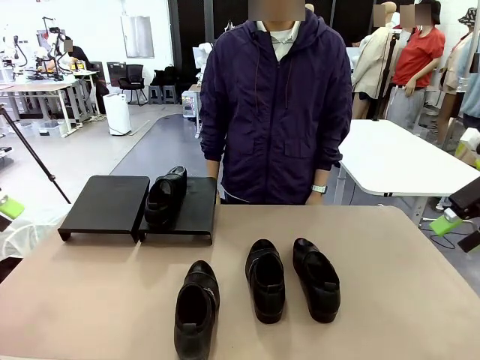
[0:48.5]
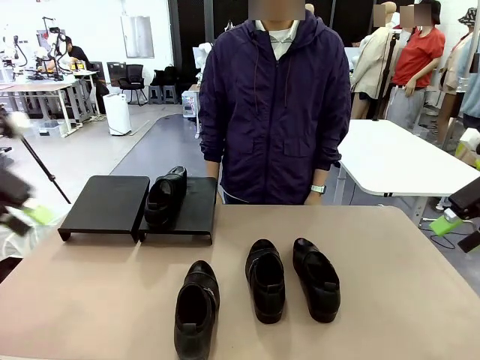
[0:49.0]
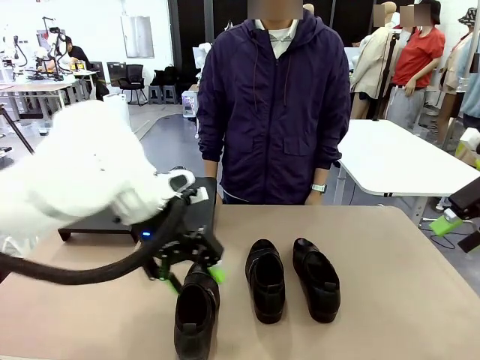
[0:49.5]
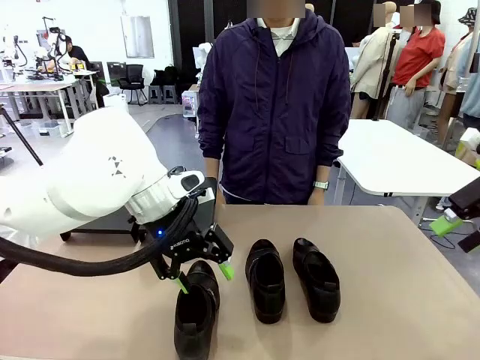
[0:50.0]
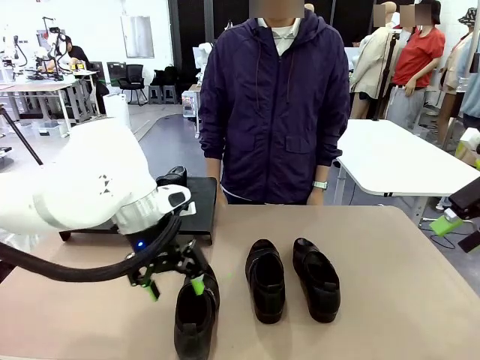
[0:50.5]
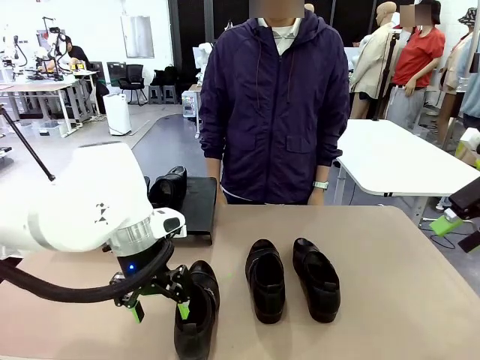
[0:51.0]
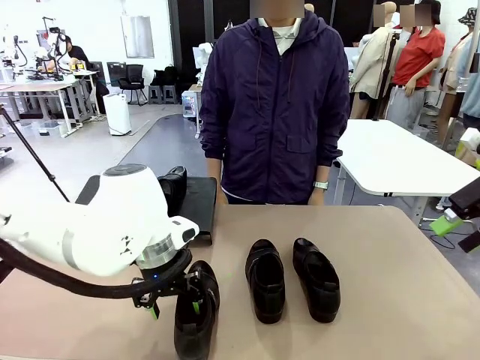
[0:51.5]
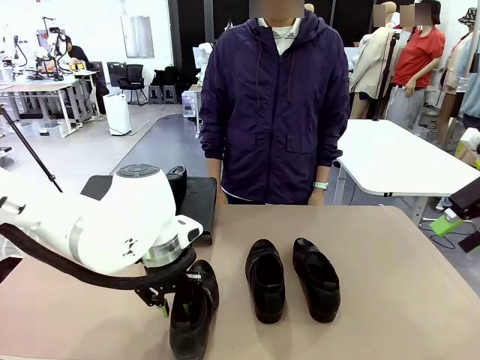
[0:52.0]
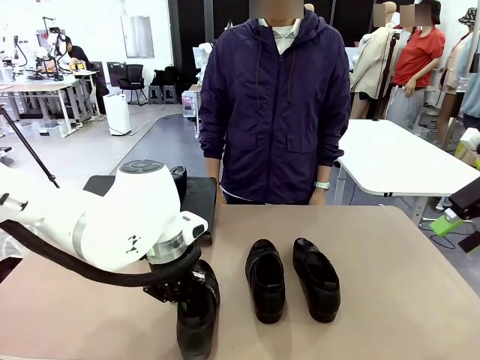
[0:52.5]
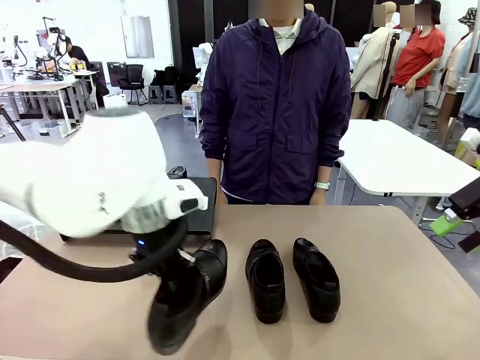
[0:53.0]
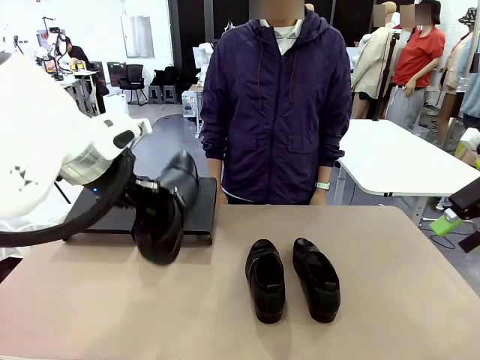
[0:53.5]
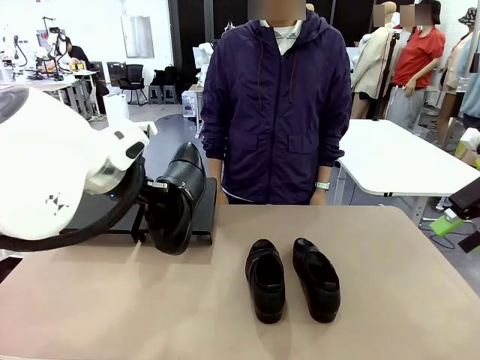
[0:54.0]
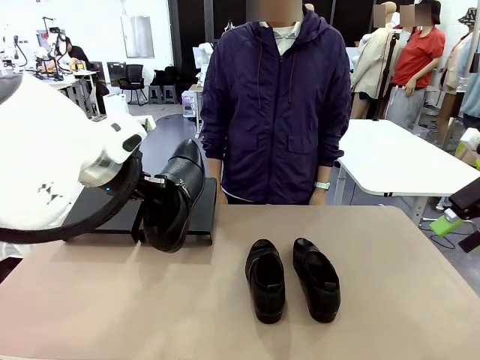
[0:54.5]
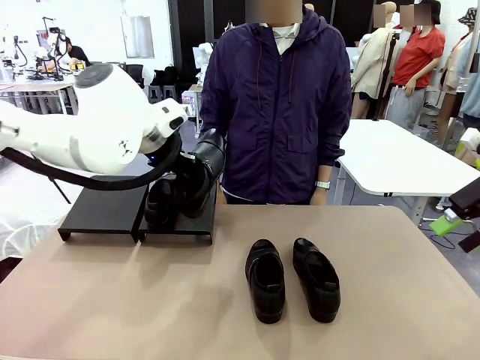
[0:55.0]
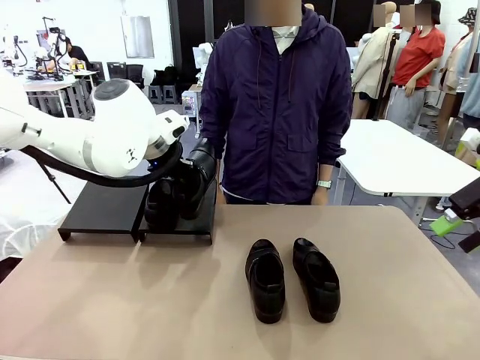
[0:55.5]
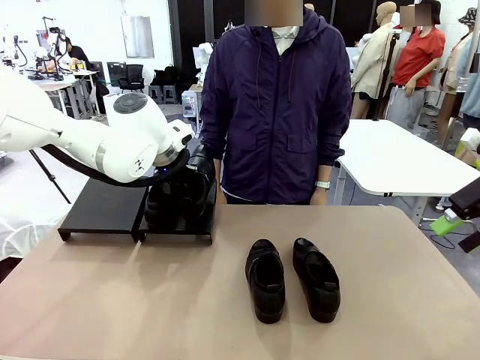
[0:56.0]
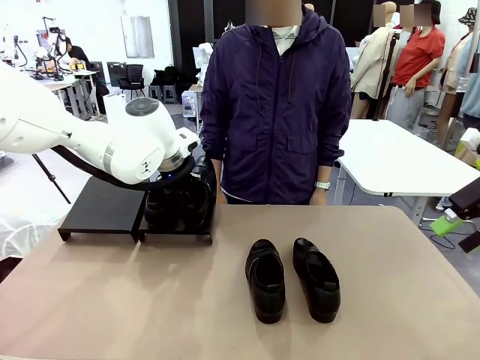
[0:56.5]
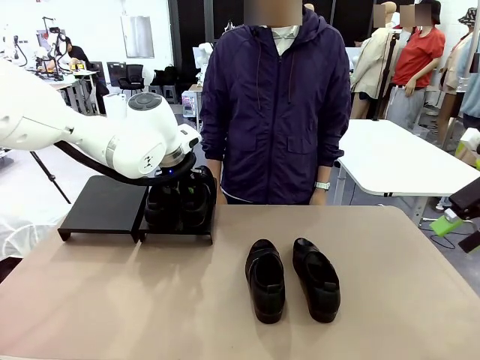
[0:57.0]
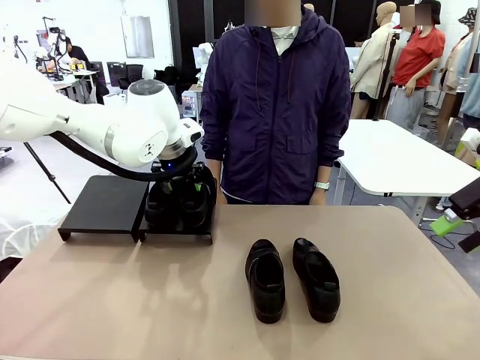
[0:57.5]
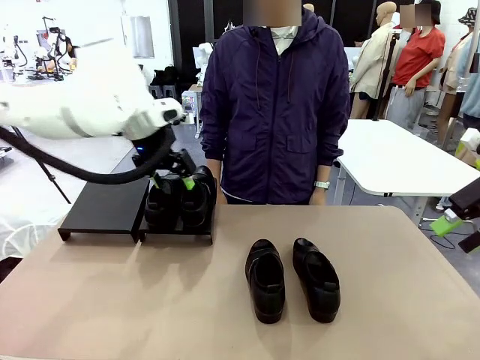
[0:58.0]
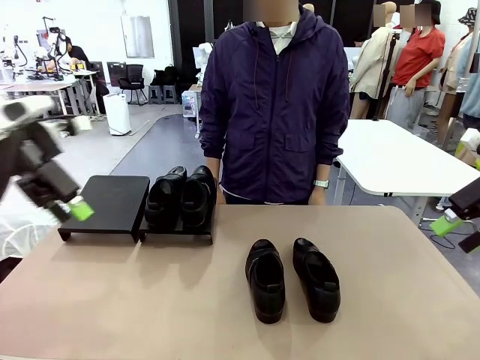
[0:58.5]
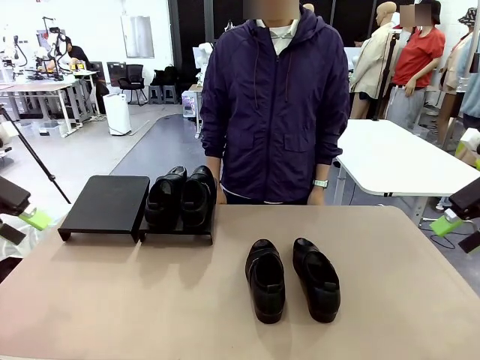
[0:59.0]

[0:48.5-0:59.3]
Task: Organize the shoes by placing them on the stand.
Robot: Place the Shoe from the middle of the table onto the Shoes Stand.

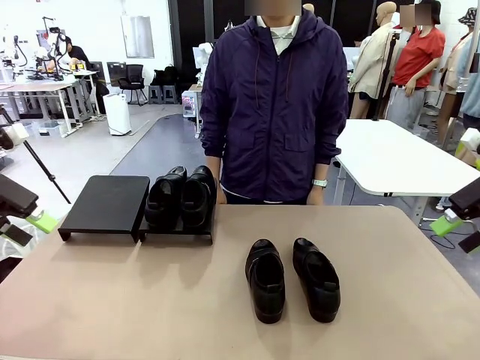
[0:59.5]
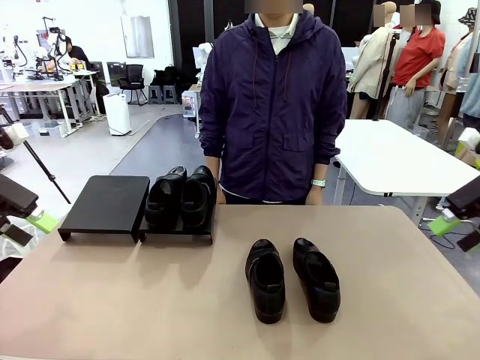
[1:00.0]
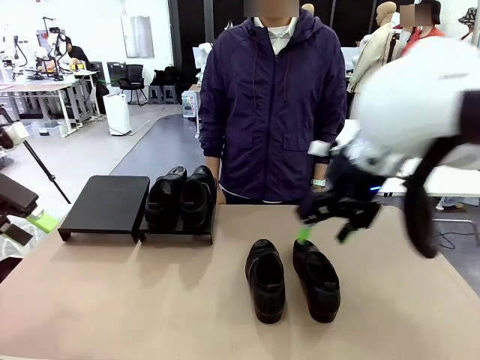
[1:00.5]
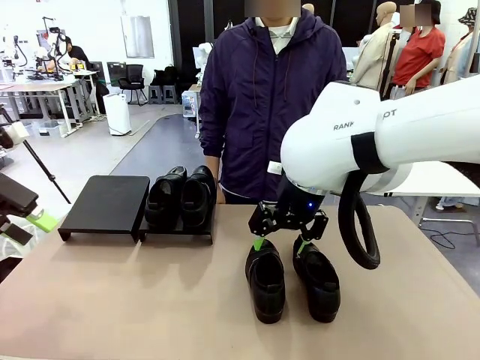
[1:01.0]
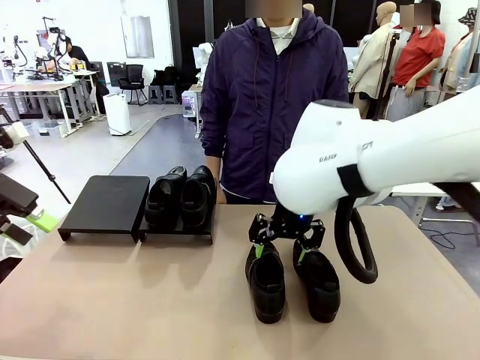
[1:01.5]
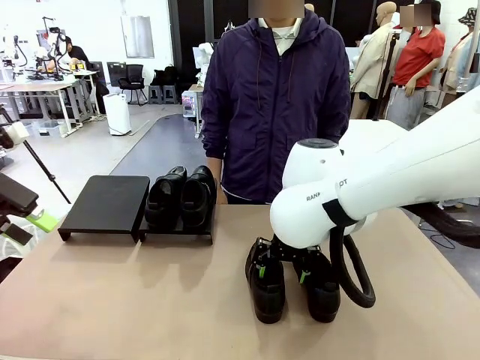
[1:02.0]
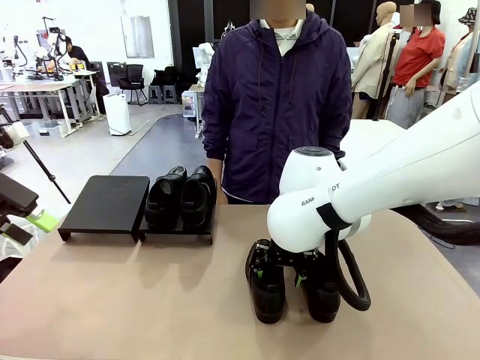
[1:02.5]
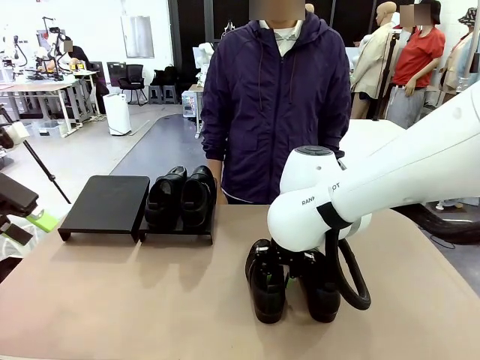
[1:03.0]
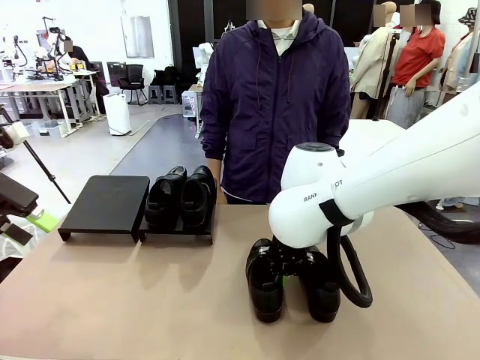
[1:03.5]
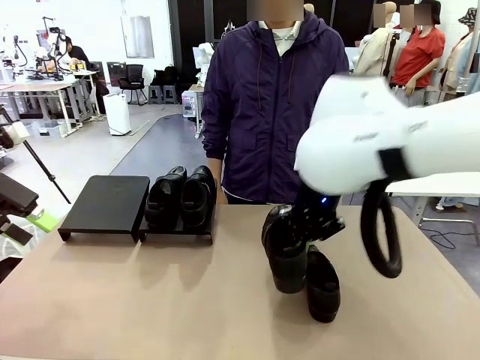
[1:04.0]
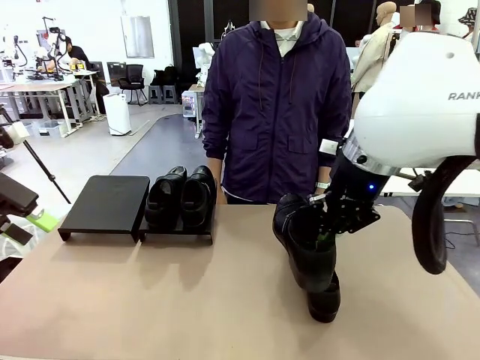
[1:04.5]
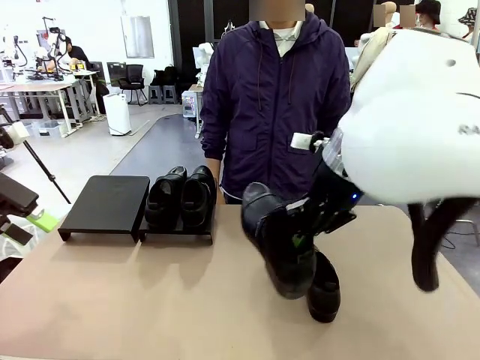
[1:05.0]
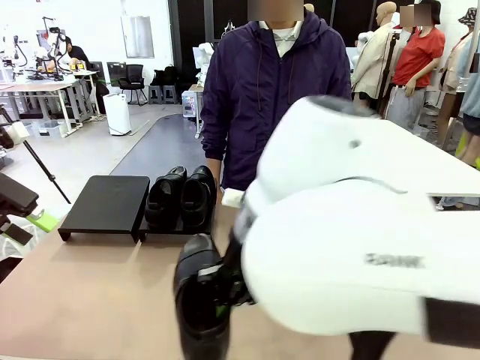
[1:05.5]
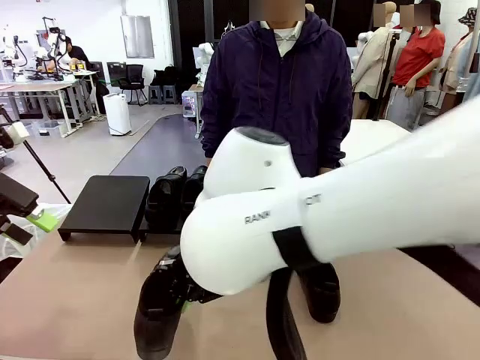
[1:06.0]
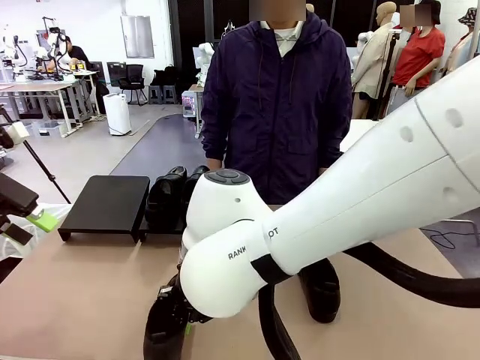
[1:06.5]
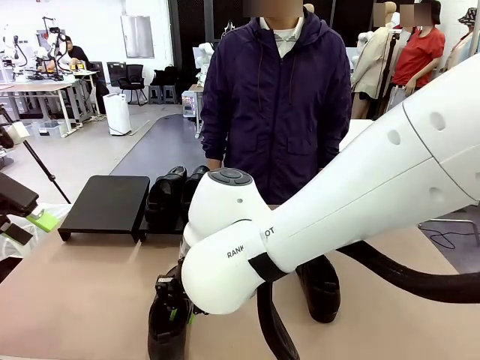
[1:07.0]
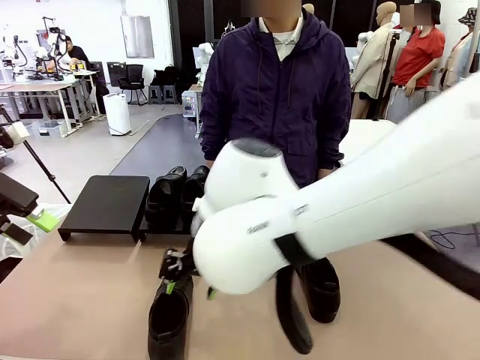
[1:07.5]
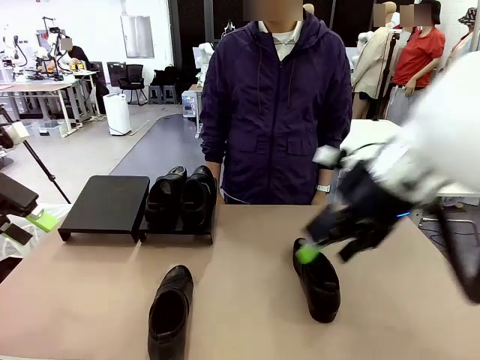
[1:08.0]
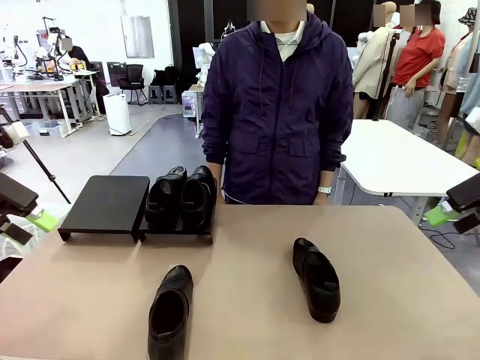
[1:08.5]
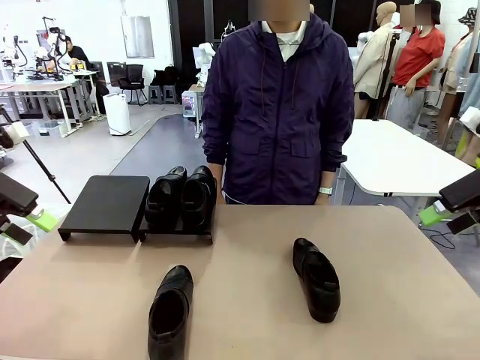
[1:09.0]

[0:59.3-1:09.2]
Robot: Pick up one Shoe and place it in the middle of the table.

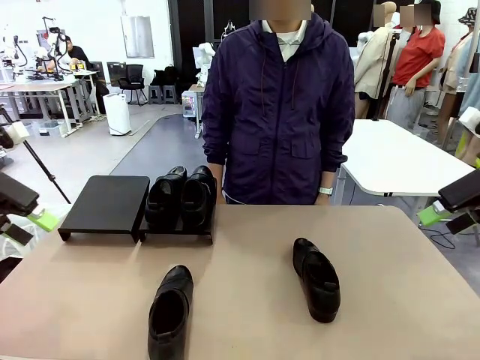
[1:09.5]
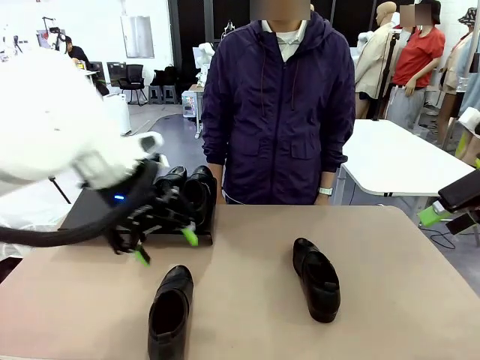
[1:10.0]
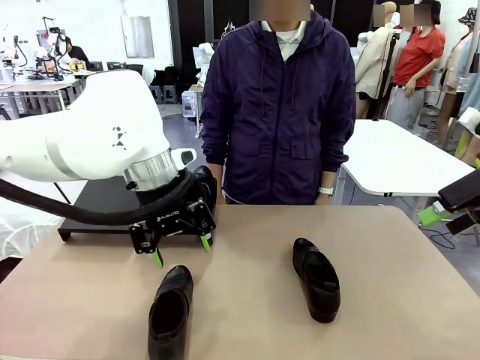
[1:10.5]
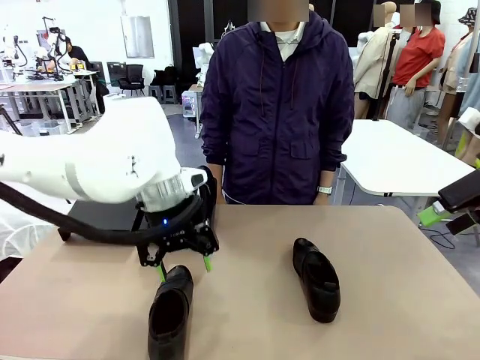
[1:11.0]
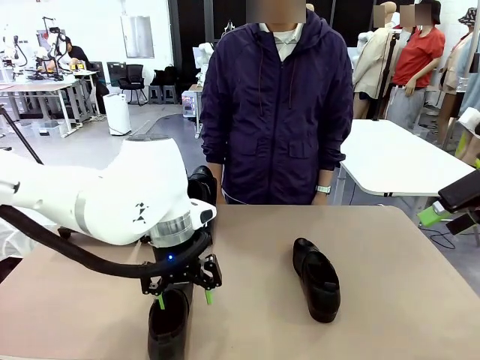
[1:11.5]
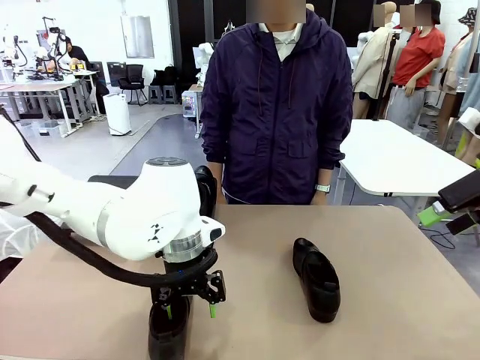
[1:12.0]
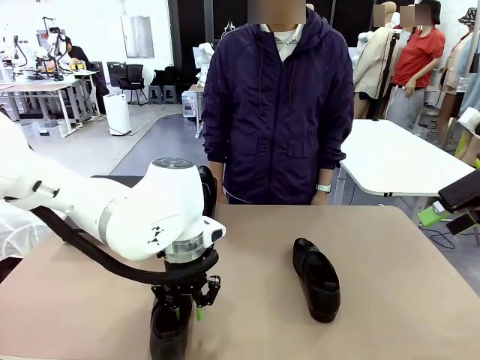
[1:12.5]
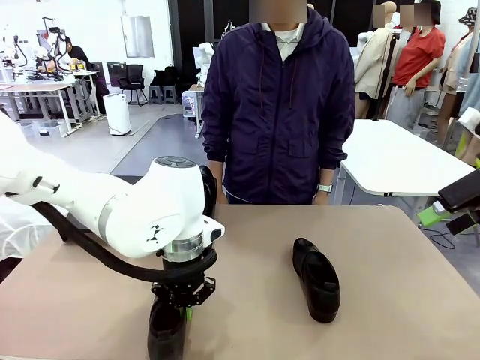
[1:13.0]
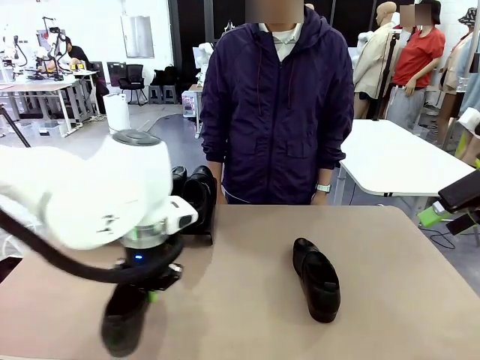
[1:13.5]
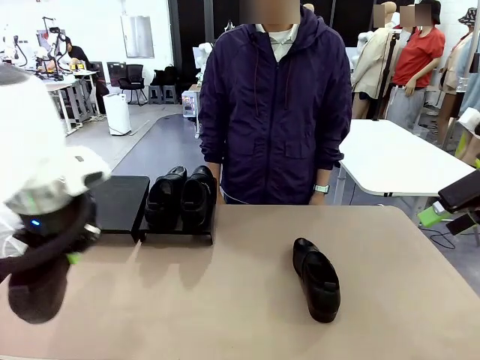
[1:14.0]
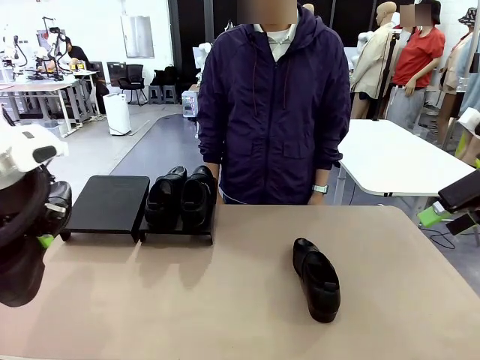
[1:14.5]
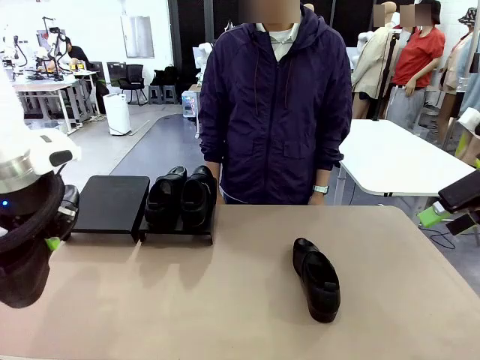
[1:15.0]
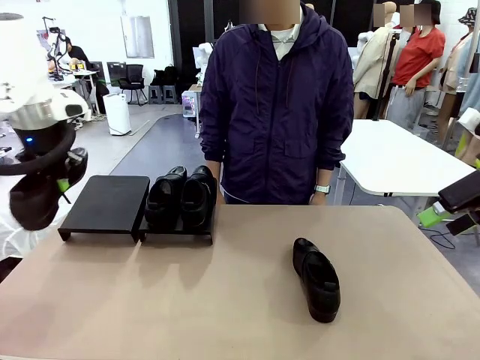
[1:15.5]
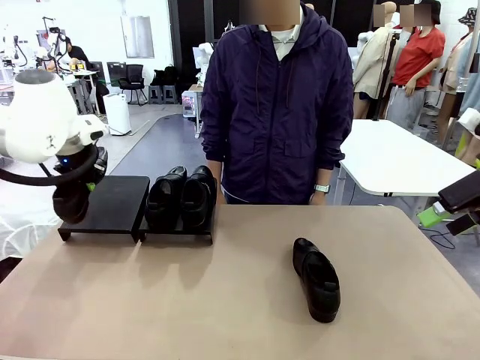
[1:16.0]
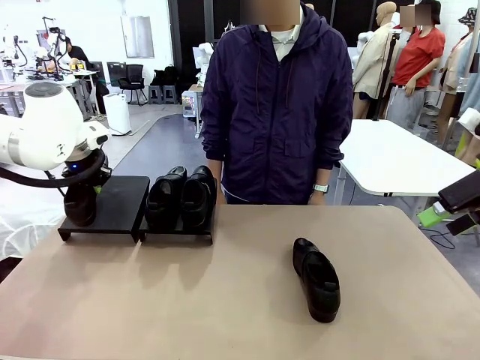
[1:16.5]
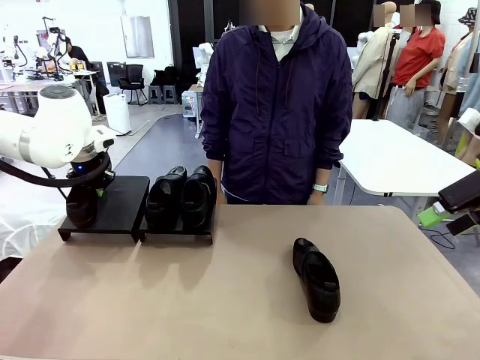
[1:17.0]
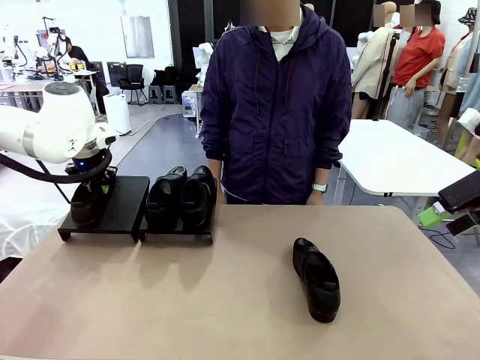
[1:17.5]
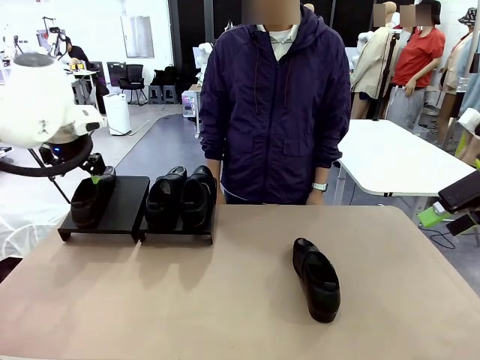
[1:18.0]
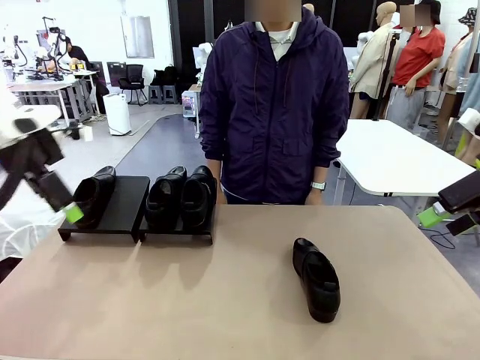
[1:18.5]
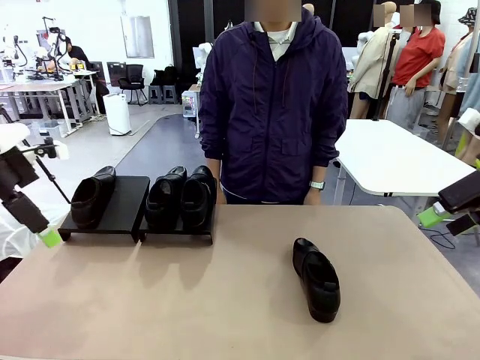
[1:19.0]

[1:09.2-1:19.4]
Robot: Place the Shoe from the middle of the table onto the Shoes Stand.
